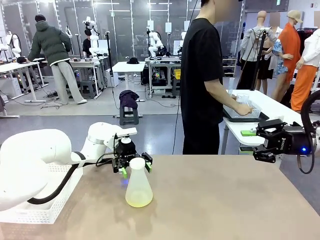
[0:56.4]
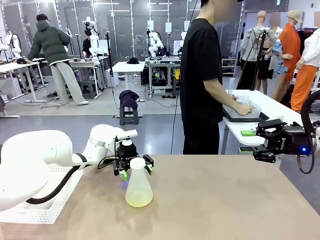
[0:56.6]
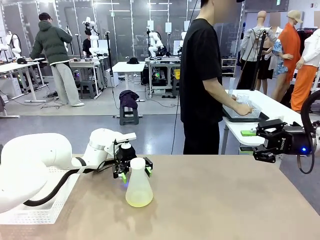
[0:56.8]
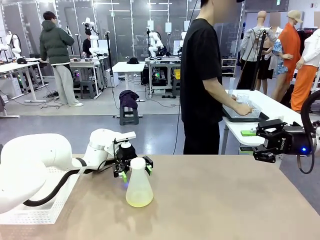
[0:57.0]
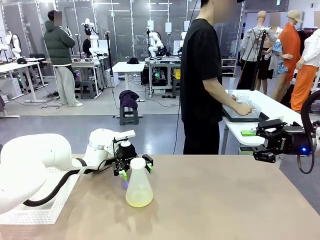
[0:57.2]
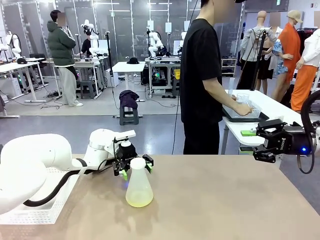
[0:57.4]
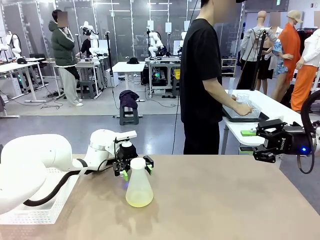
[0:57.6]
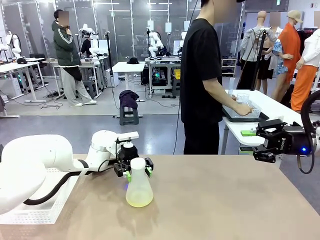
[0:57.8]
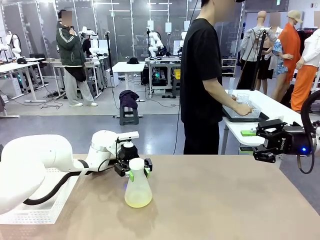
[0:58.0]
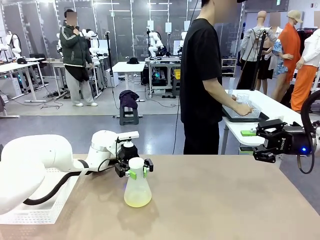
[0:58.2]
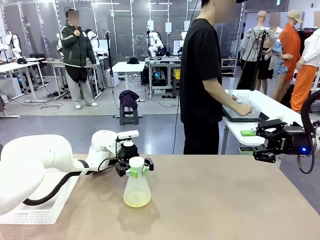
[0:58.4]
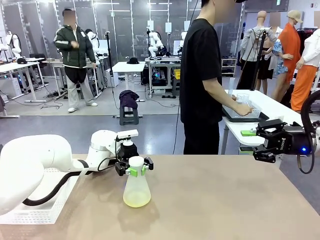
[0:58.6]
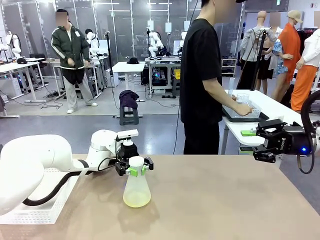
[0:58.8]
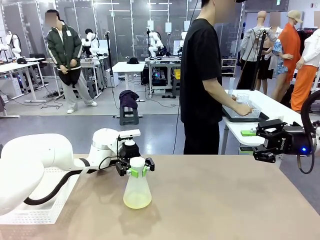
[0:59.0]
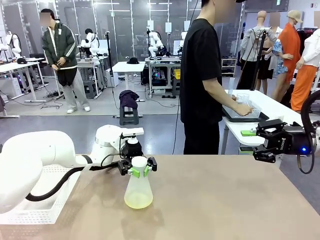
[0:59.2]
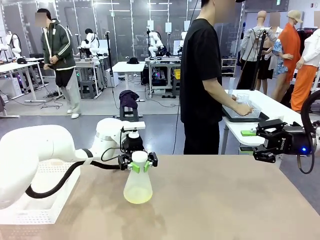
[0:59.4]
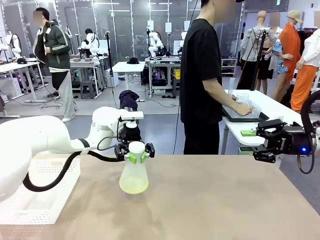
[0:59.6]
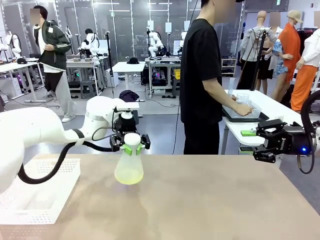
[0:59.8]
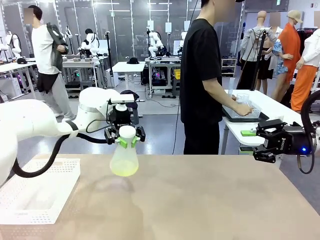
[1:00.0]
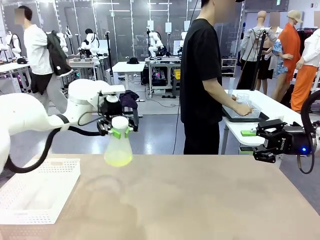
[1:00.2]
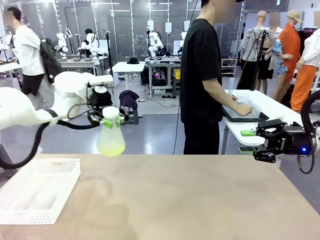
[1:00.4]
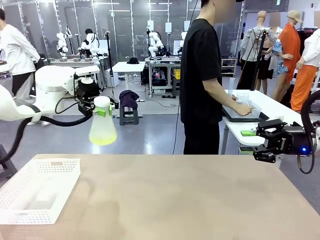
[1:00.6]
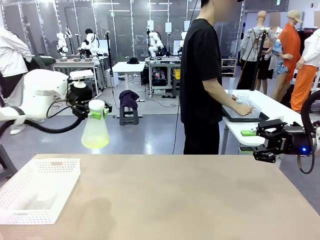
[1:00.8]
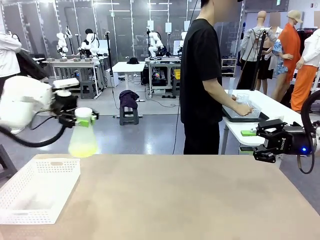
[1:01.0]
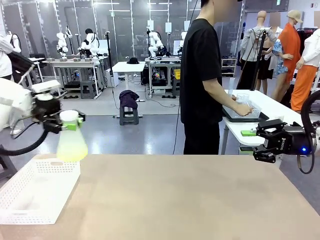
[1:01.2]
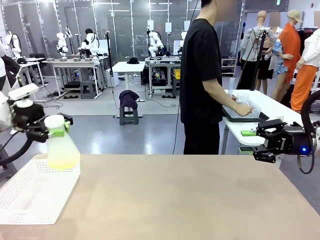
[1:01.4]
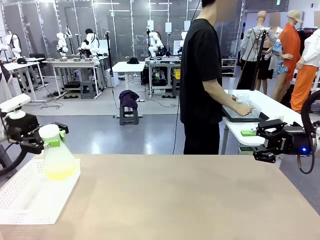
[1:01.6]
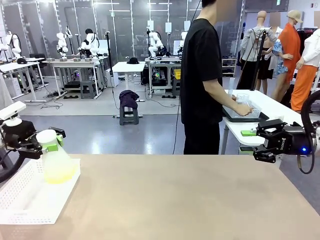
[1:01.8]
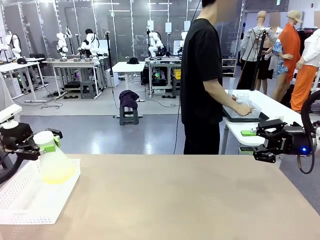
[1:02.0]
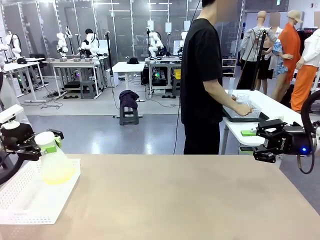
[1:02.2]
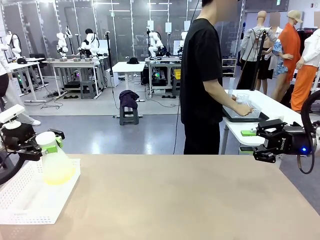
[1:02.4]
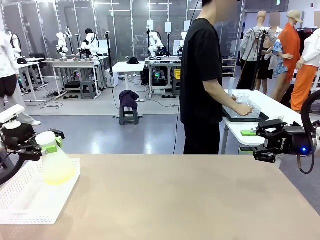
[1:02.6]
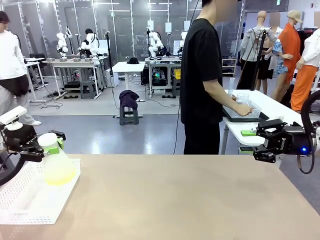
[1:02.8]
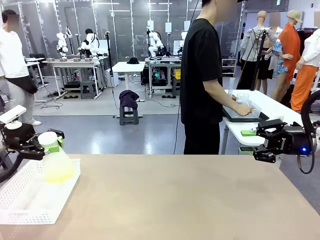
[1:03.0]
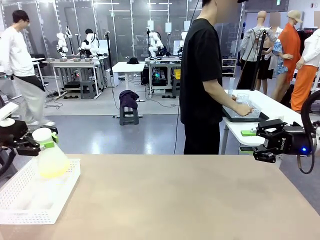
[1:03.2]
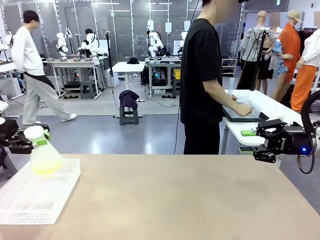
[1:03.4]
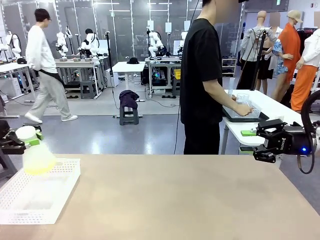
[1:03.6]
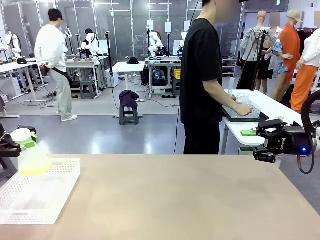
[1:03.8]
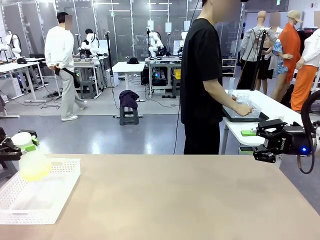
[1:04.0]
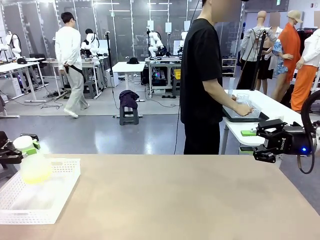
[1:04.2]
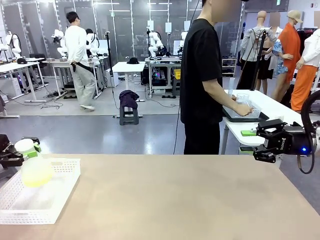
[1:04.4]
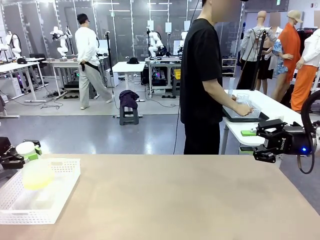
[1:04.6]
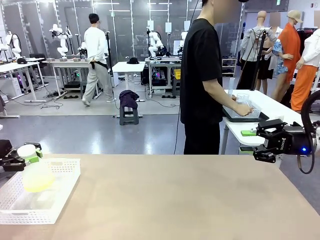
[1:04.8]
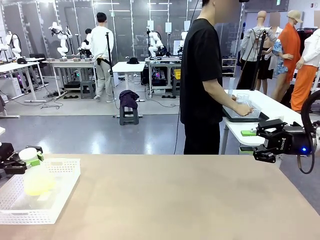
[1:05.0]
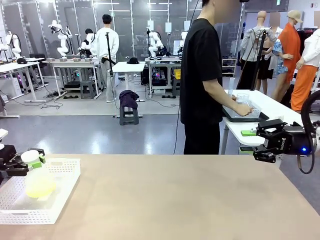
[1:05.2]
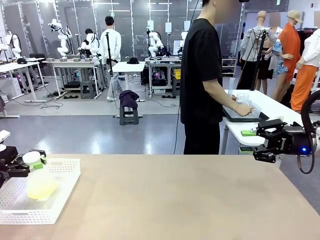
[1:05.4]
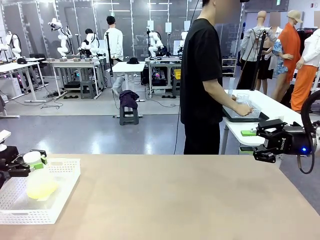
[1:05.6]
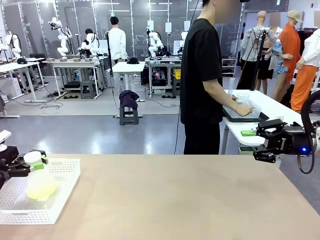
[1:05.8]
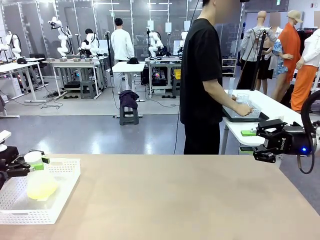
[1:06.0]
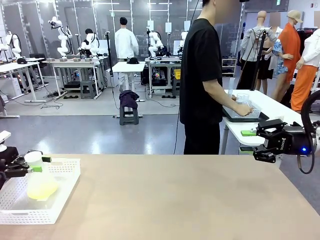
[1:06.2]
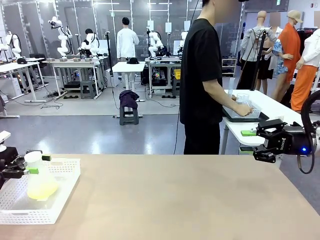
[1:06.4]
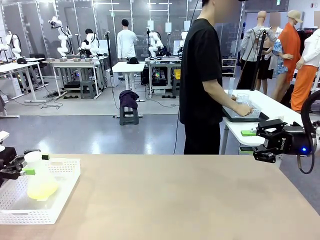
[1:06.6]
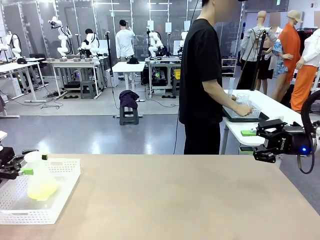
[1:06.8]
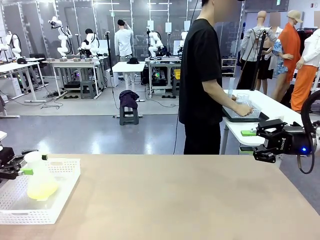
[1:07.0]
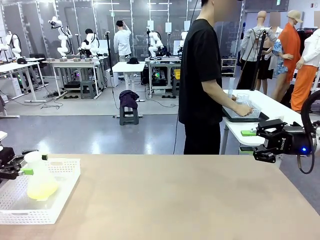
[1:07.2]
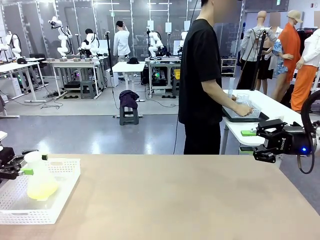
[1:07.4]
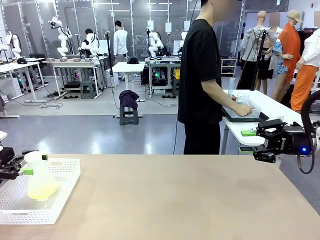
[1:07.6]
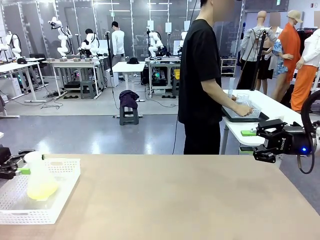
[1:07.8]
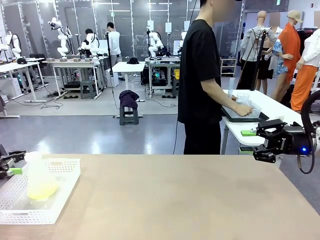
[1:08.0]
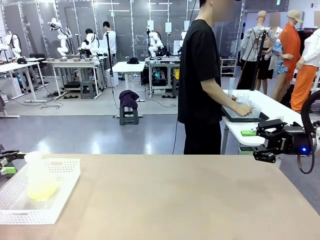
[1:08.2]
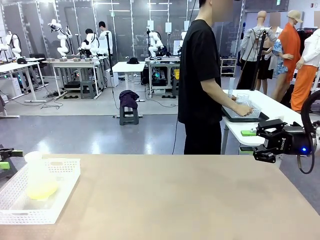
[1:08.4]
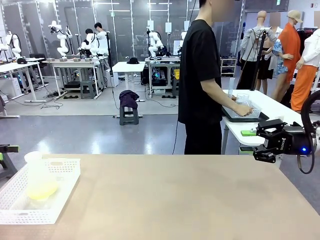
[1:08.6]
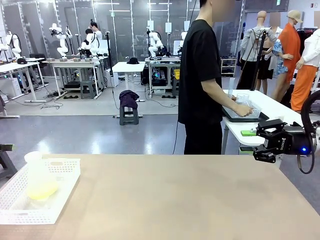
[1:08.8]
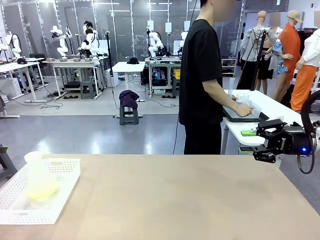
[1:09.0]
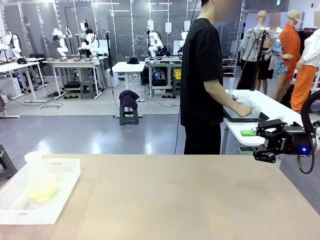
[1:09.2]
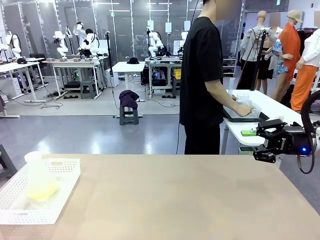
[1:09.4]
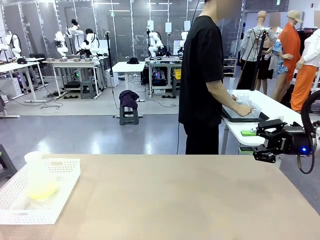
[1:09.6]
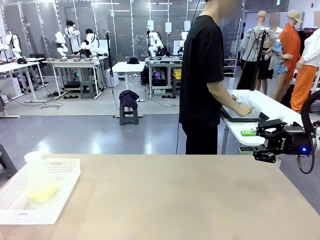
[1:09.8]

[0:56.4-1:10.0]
Task: Prepare the solutions needed for the experiment.
Robot: When the human places the Big flask in the center of the table, pick up the Big flask and place it in the left Organizing basket.
Person: Pick up the organizing basket on the left side of the robot table and place it on the left side of the human table.
